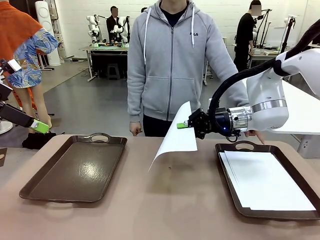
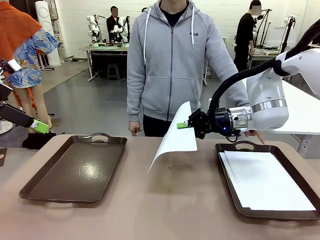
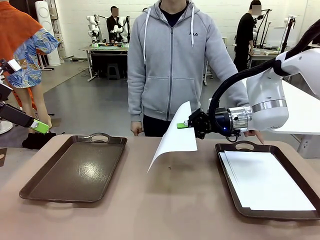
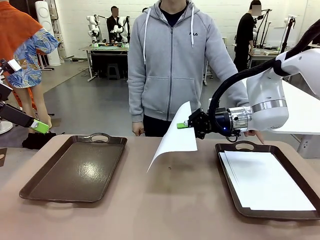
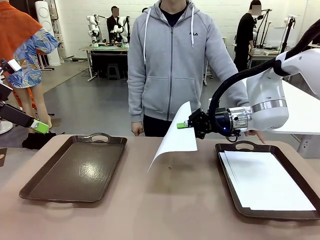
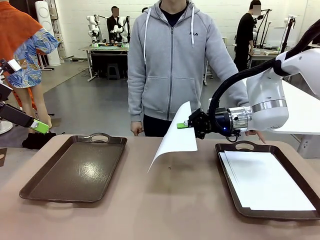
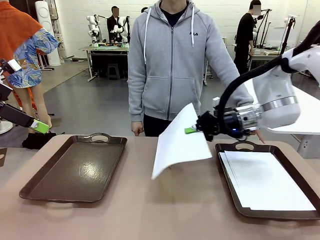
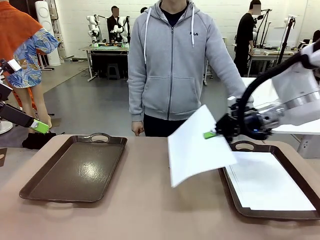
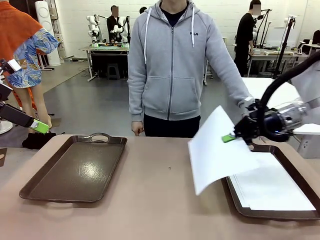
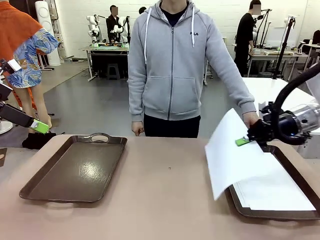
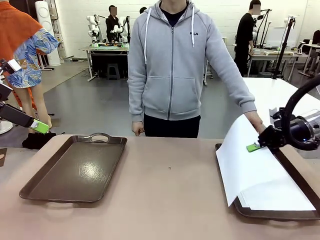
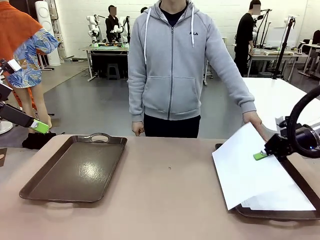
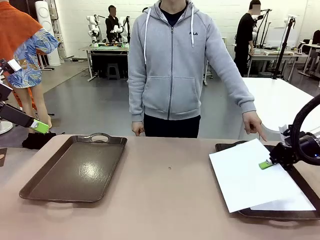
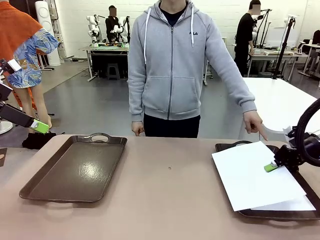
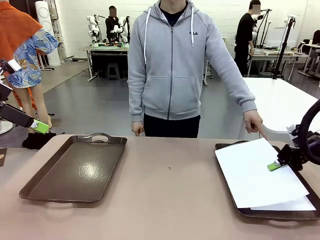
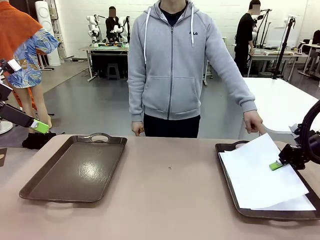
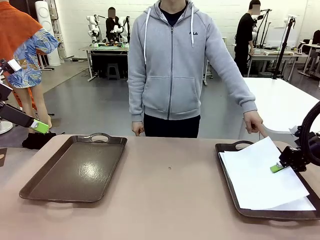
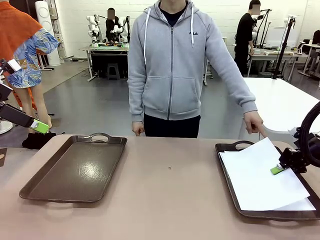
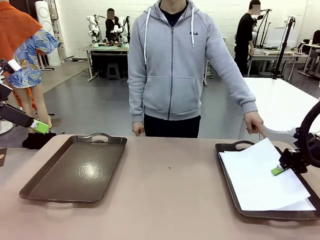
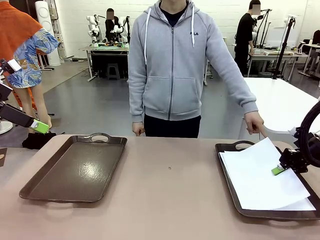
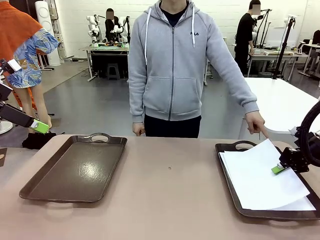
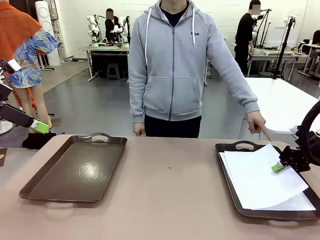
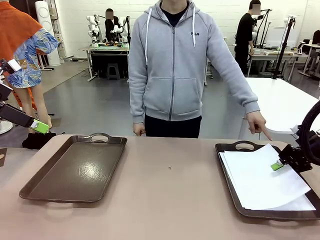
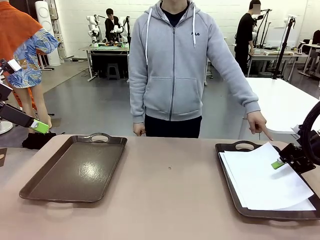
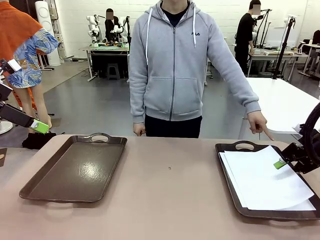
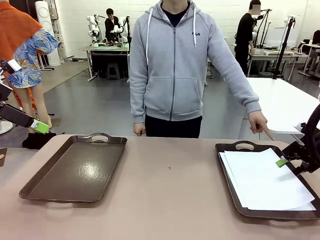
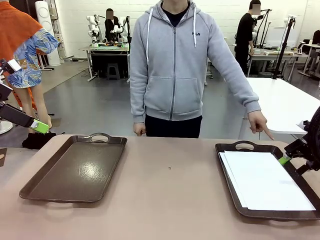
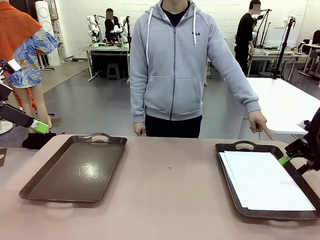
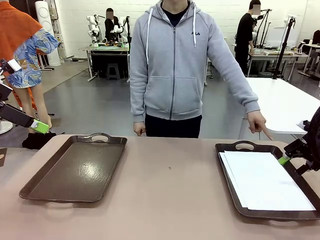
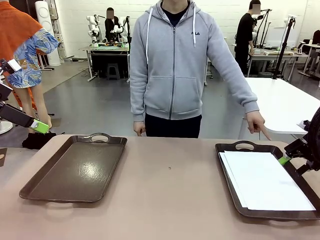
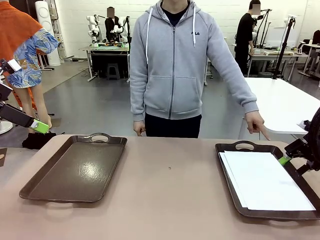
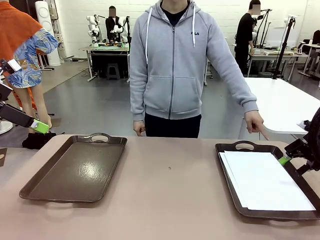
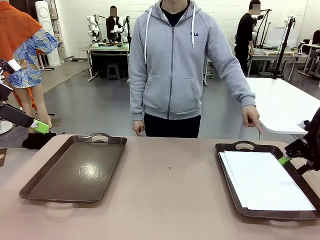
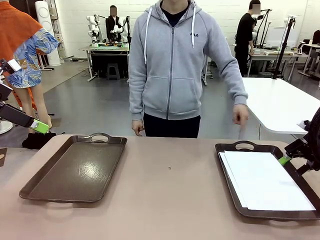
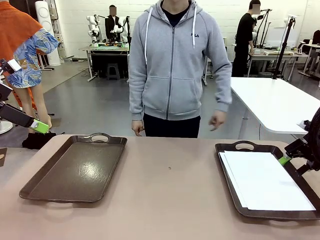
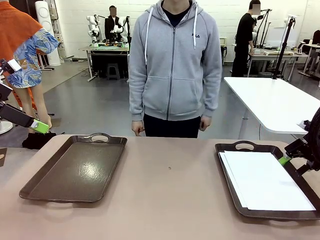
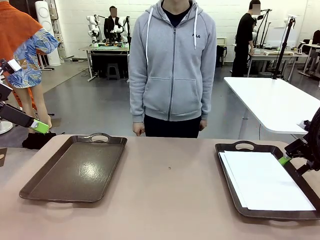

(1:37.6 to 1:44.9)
Task: Sort the A4 documents.
Robot: Place the A4 Paper in the designated Handle tray.

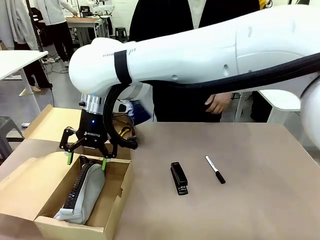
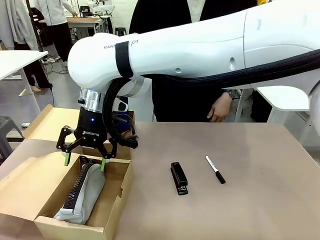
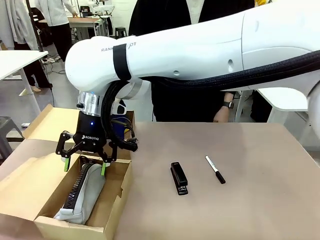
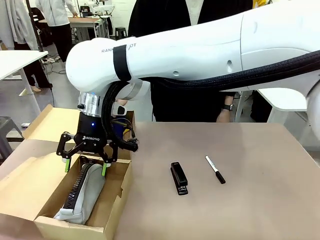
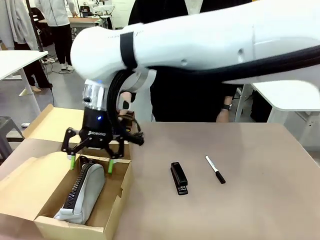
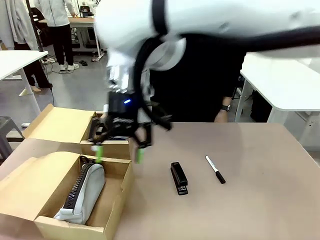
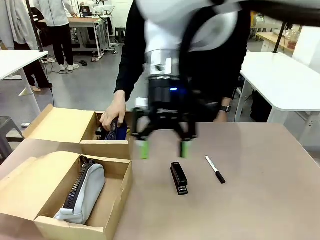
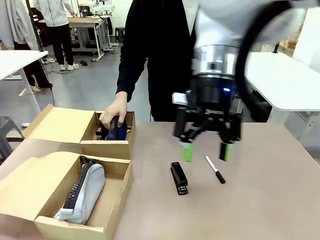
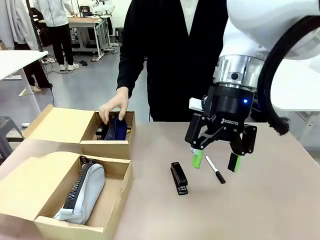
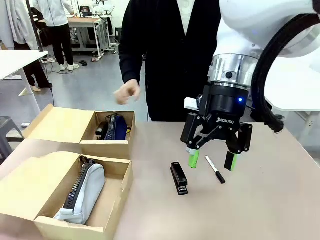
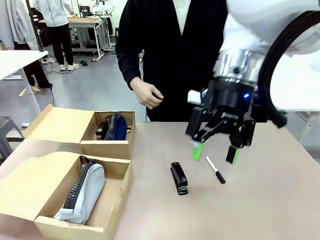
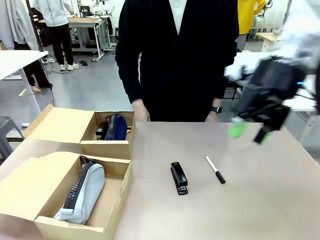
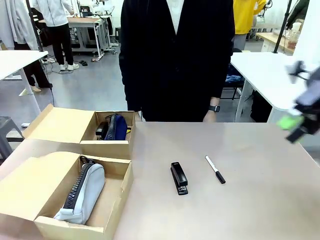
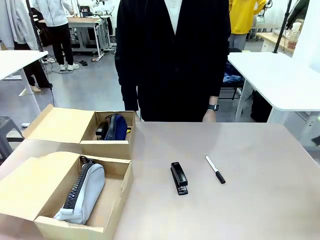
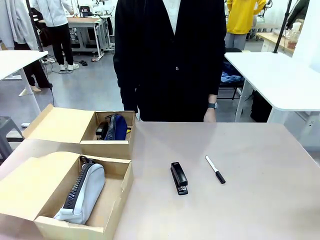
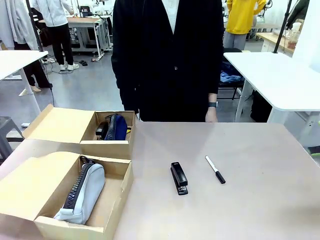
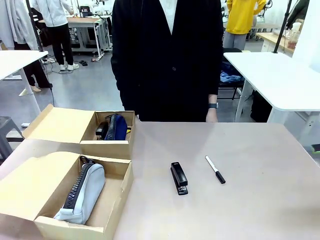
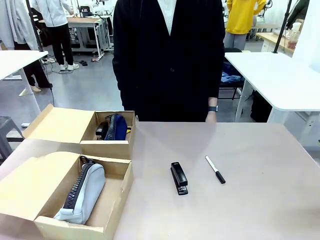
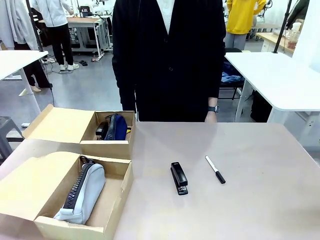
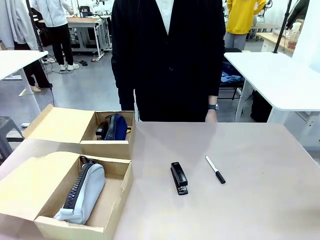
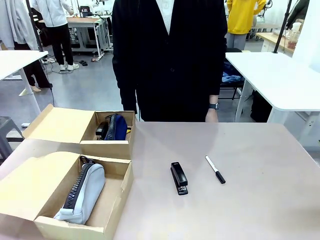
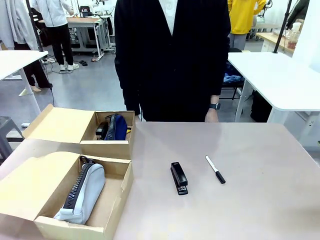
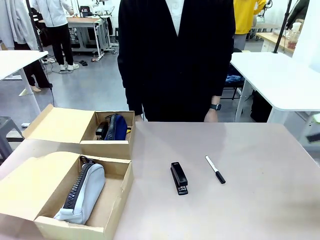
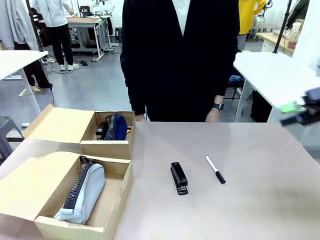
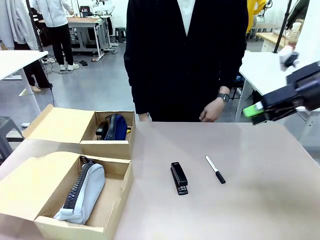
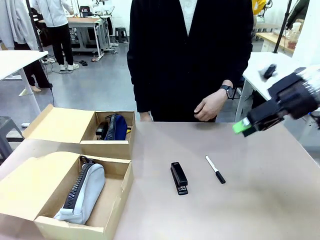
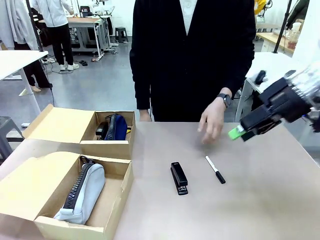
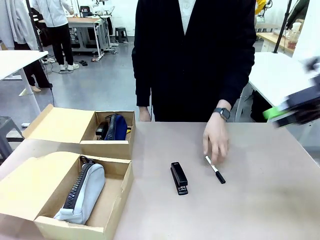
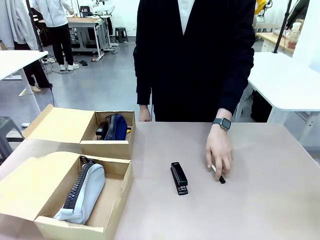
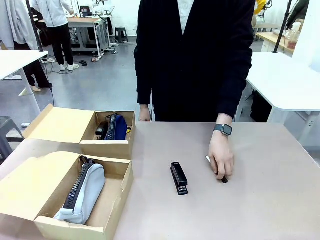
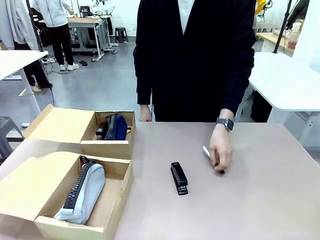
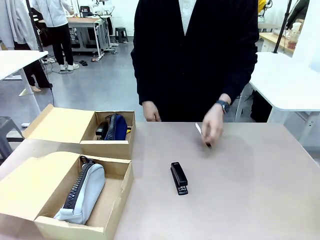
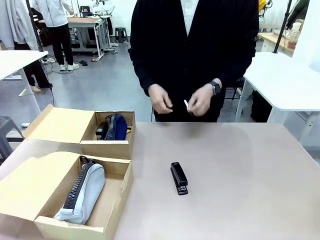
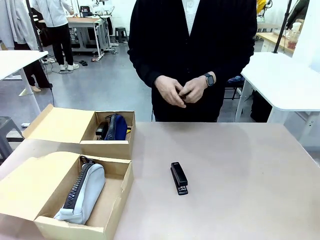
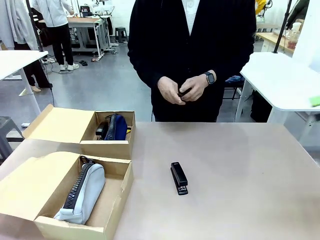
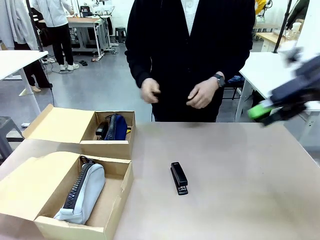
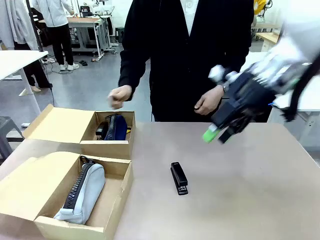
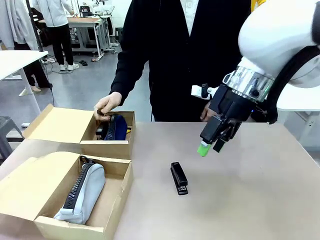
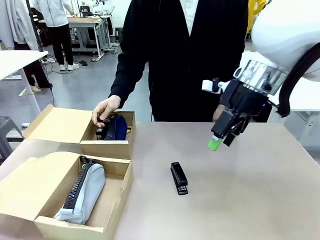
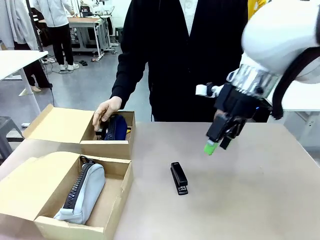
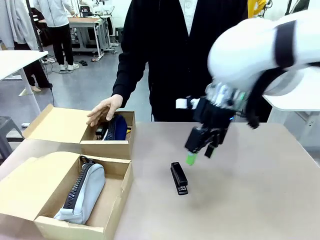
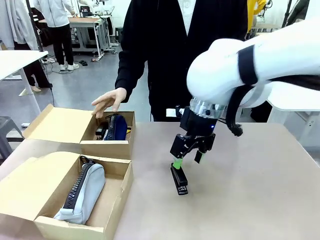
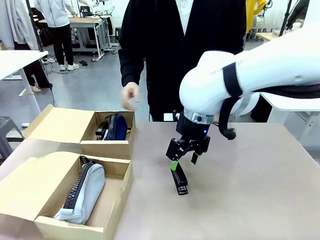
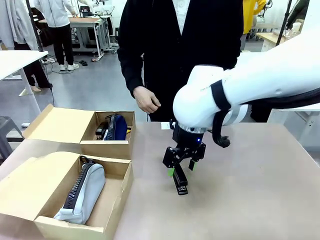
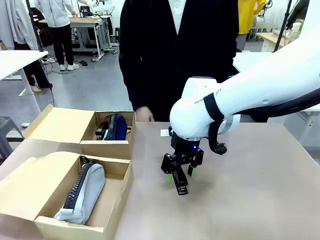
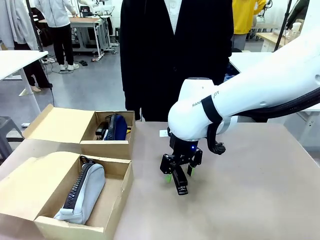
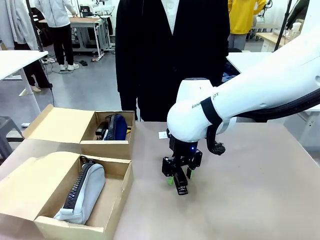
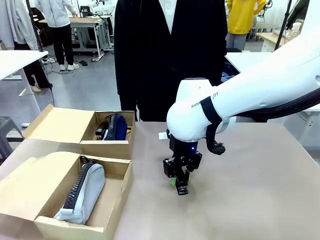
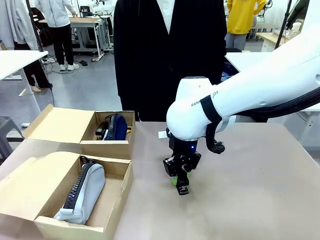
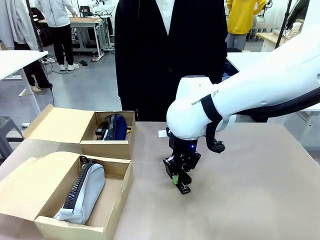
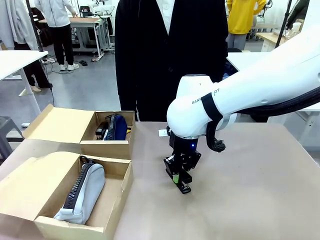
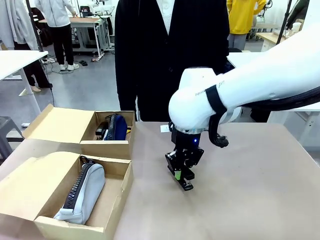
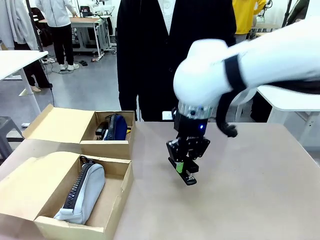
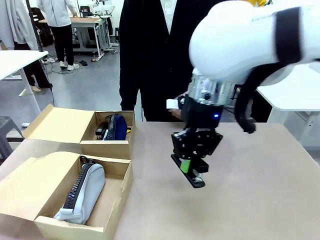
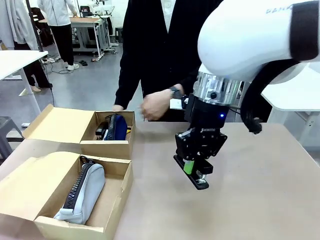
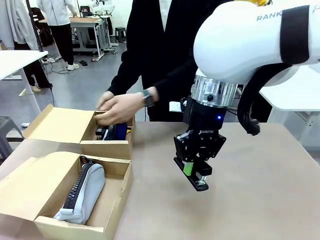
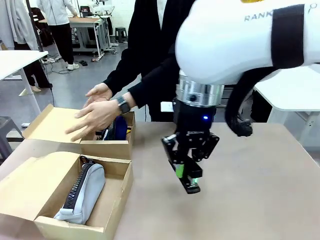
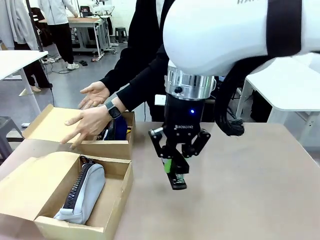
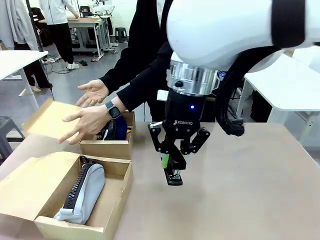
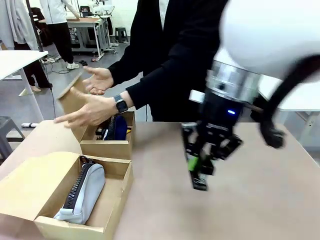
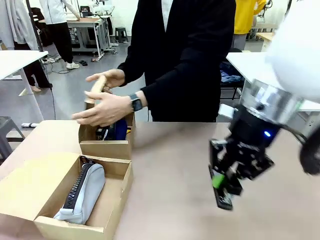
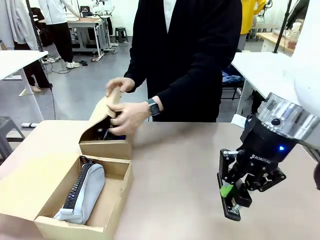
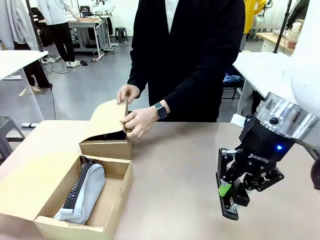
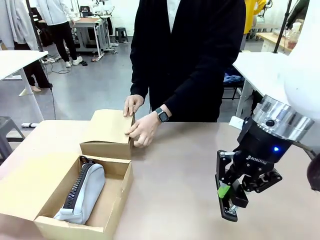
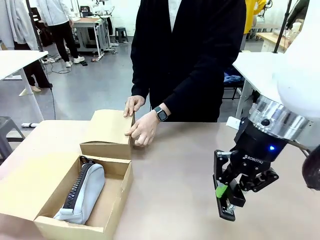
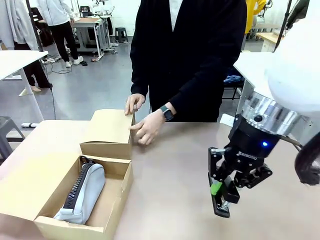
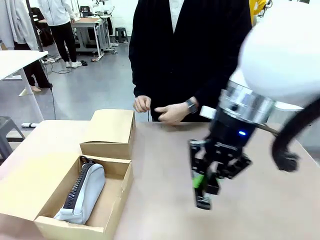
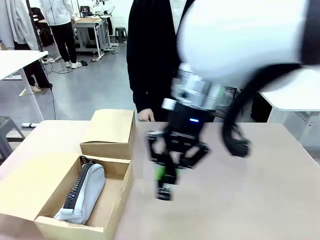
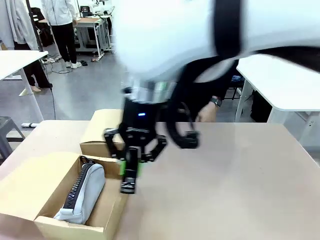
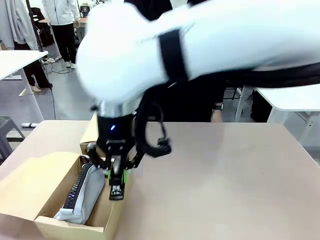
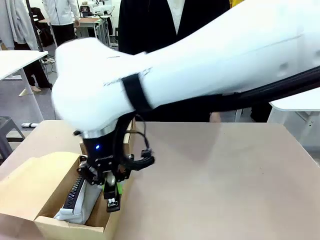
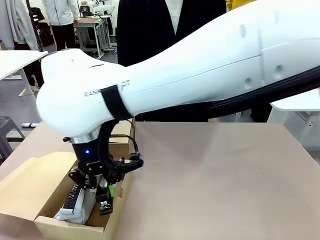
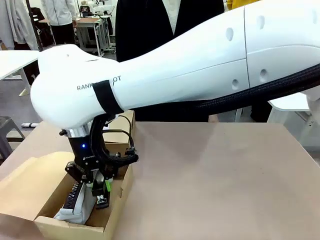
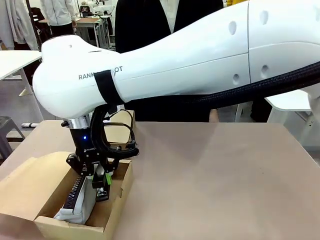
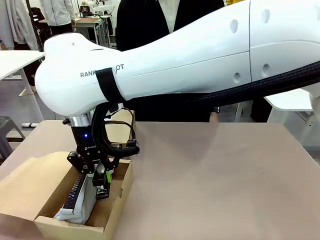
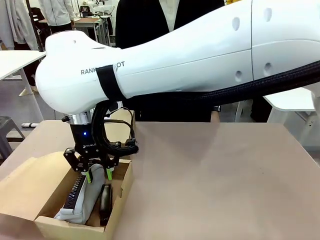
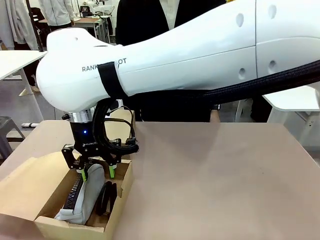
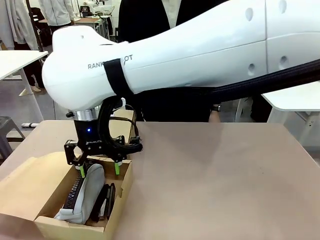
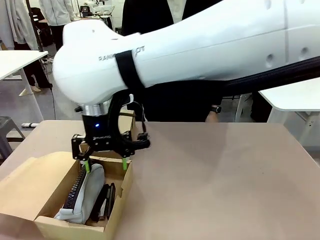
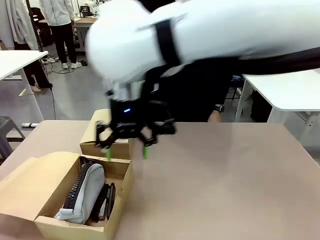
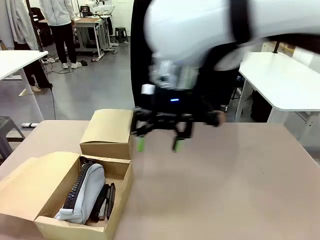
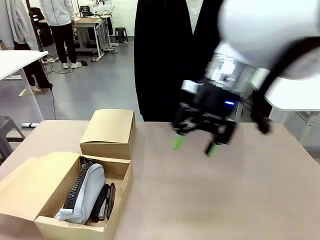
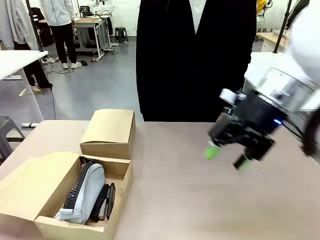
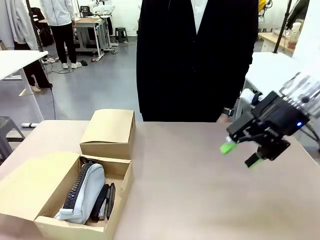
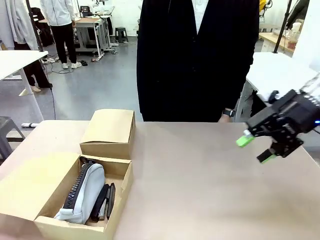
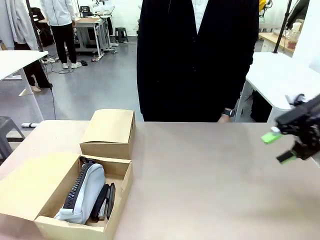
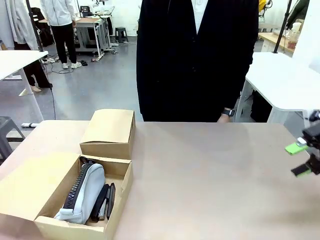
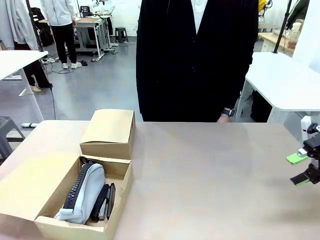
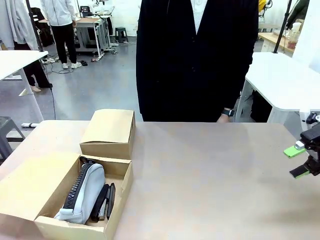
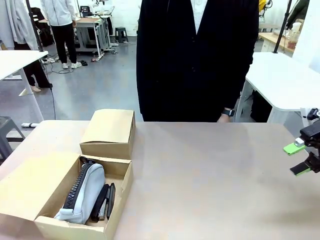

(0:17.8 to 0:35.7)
Task: Place items inside the box.
Robot: Pick up a Pencil pouch or Stapler and place it inside the Mailer Box closest to the robot.
